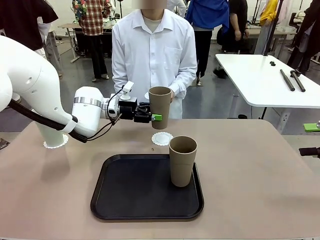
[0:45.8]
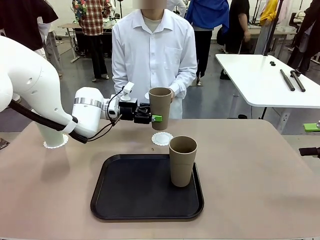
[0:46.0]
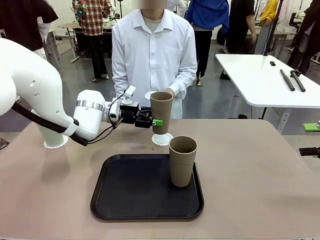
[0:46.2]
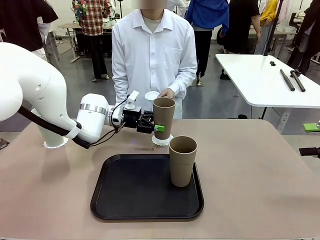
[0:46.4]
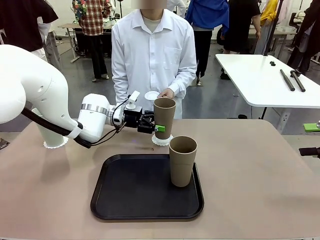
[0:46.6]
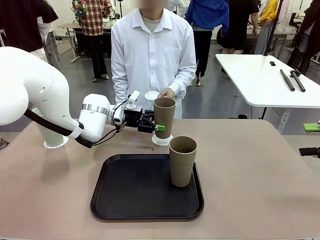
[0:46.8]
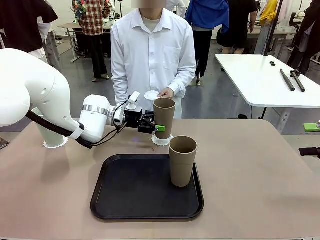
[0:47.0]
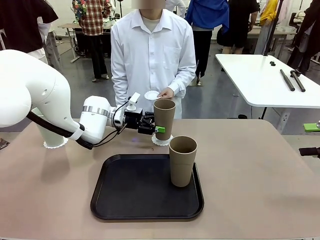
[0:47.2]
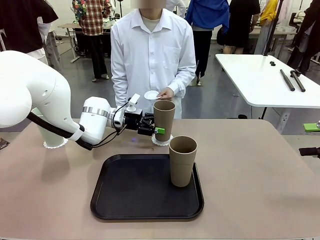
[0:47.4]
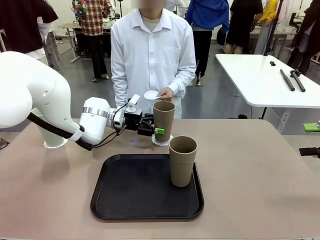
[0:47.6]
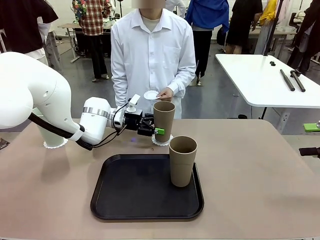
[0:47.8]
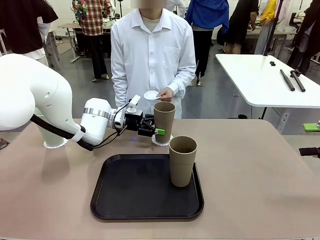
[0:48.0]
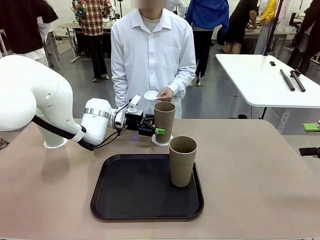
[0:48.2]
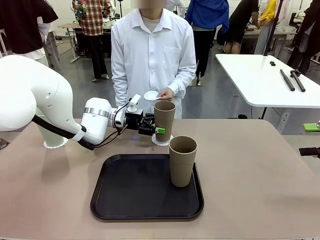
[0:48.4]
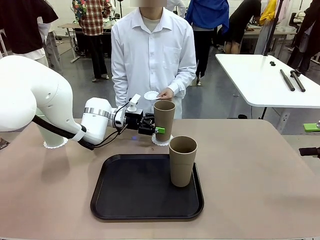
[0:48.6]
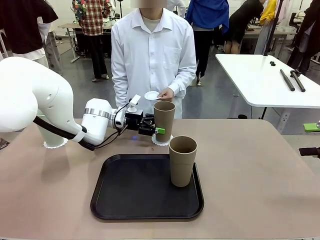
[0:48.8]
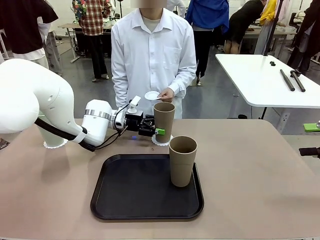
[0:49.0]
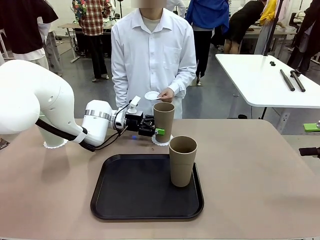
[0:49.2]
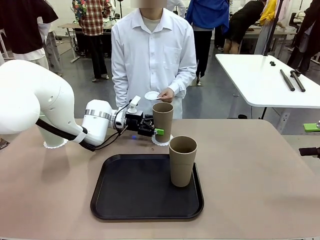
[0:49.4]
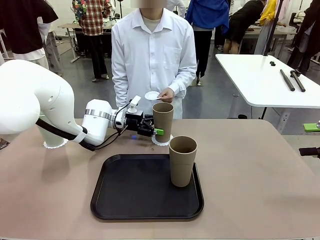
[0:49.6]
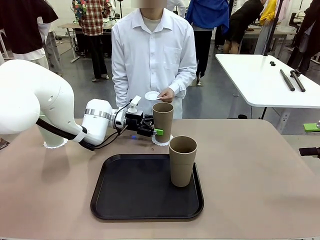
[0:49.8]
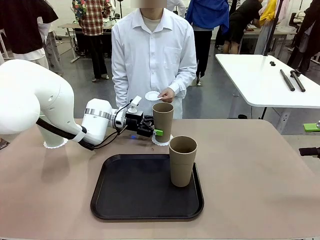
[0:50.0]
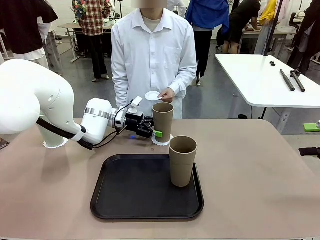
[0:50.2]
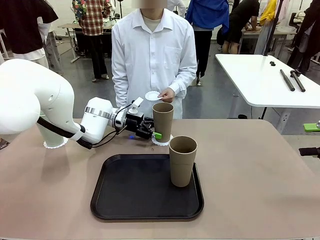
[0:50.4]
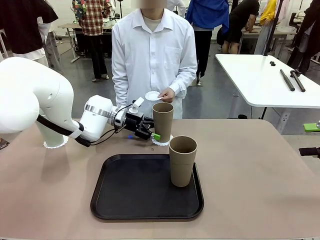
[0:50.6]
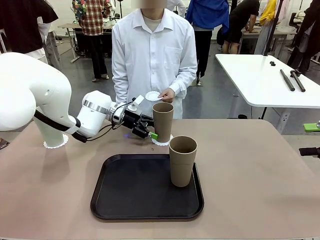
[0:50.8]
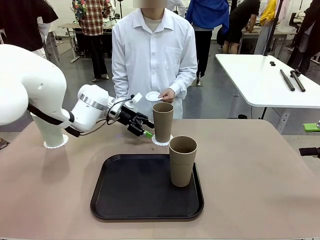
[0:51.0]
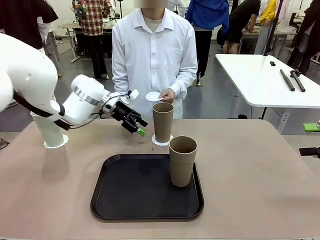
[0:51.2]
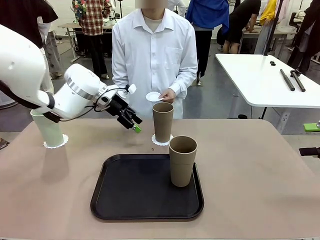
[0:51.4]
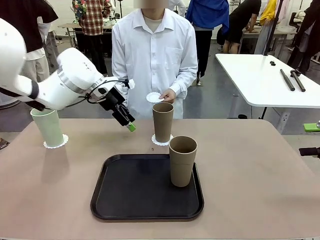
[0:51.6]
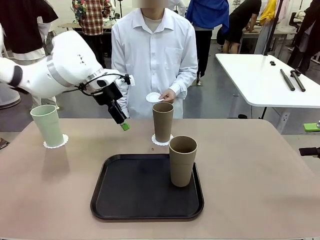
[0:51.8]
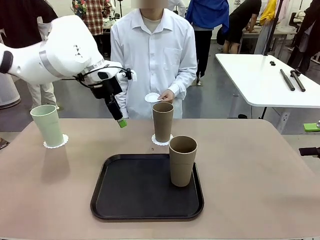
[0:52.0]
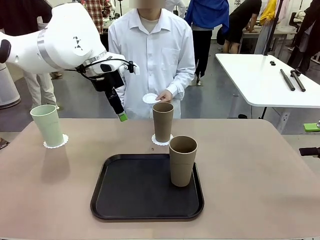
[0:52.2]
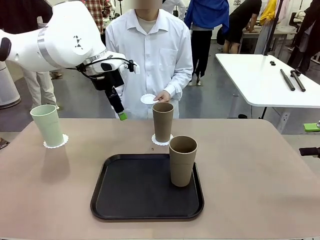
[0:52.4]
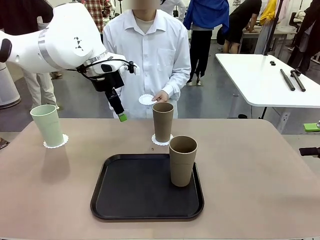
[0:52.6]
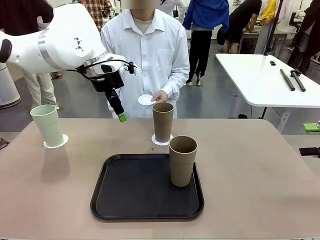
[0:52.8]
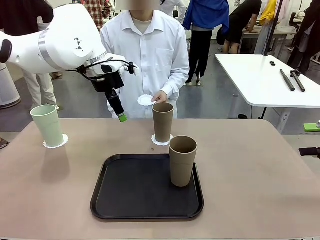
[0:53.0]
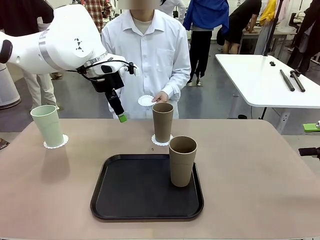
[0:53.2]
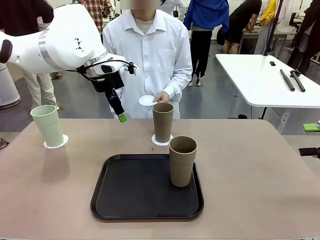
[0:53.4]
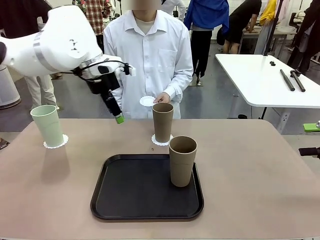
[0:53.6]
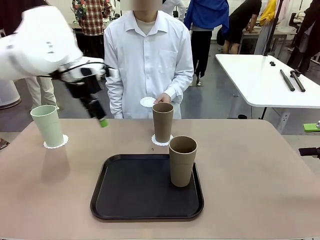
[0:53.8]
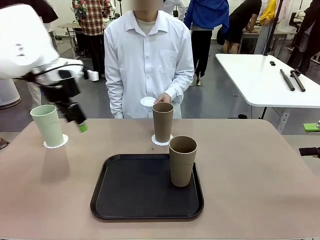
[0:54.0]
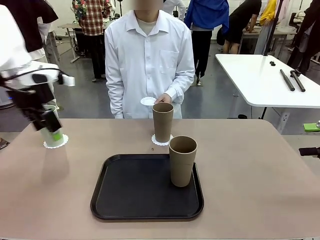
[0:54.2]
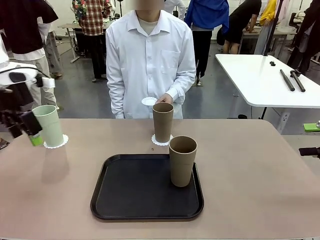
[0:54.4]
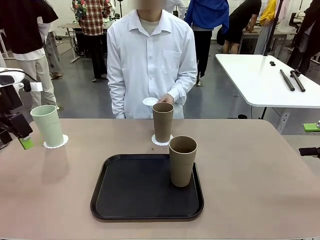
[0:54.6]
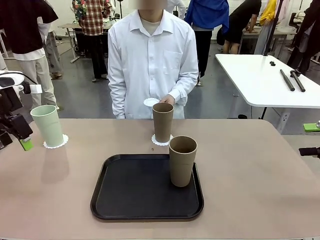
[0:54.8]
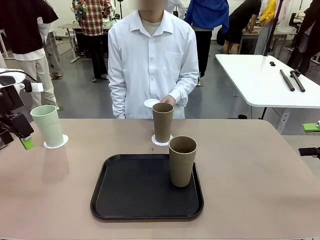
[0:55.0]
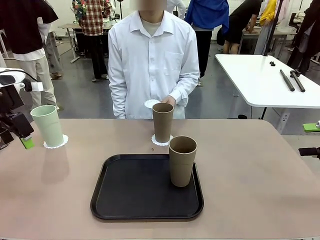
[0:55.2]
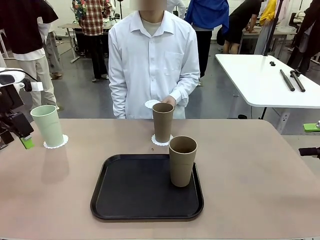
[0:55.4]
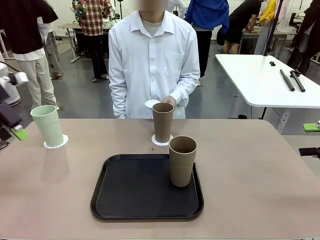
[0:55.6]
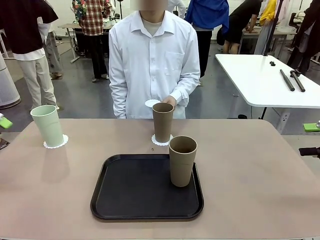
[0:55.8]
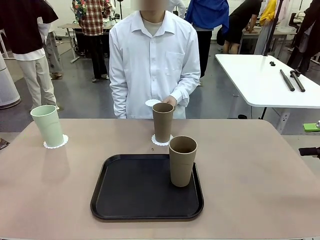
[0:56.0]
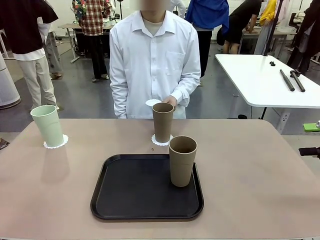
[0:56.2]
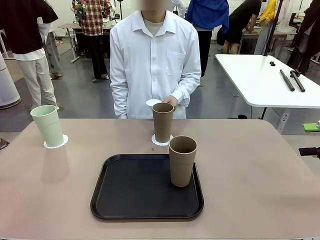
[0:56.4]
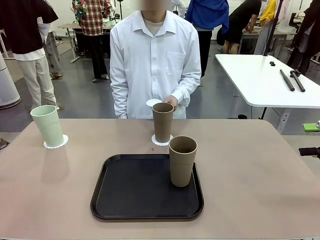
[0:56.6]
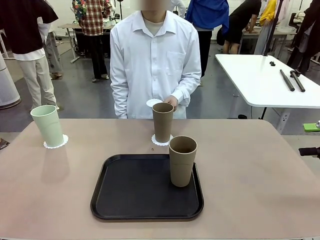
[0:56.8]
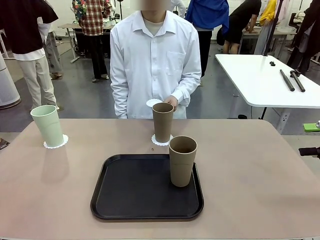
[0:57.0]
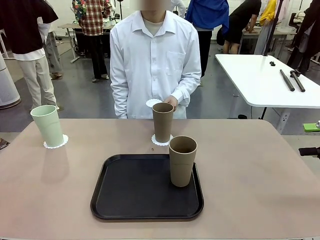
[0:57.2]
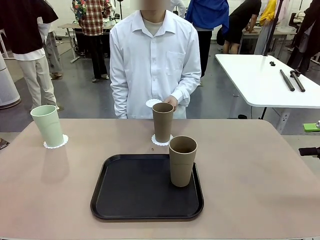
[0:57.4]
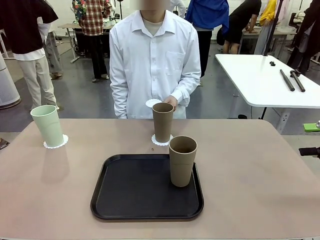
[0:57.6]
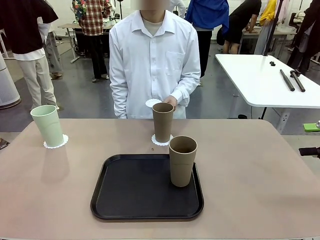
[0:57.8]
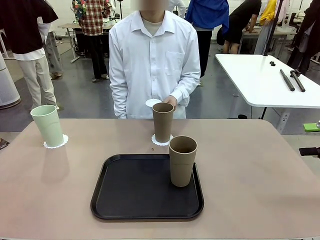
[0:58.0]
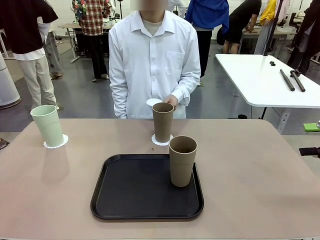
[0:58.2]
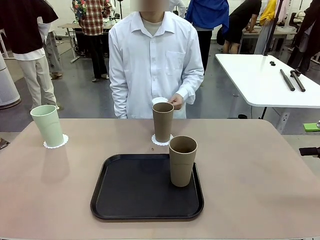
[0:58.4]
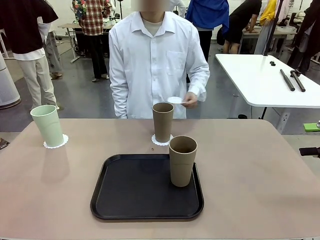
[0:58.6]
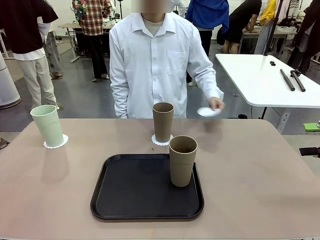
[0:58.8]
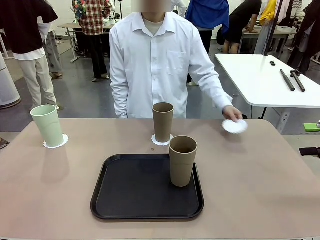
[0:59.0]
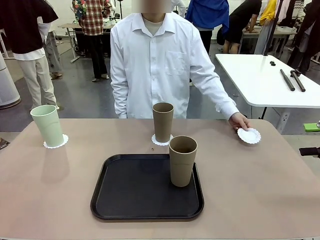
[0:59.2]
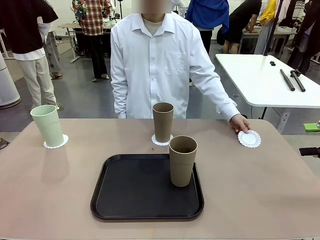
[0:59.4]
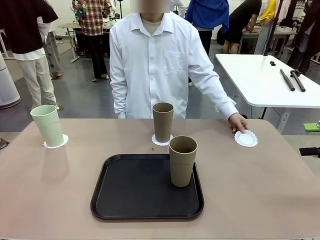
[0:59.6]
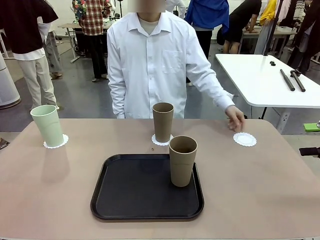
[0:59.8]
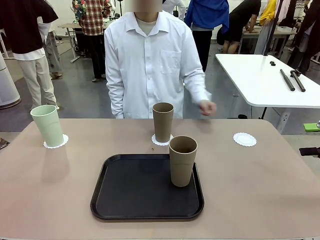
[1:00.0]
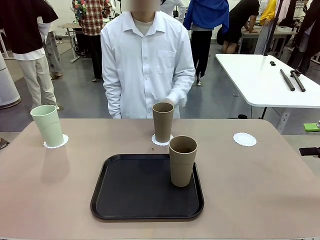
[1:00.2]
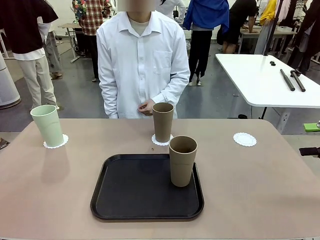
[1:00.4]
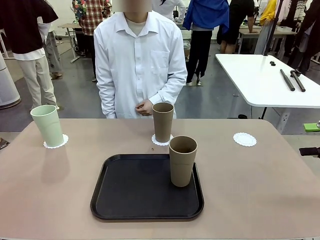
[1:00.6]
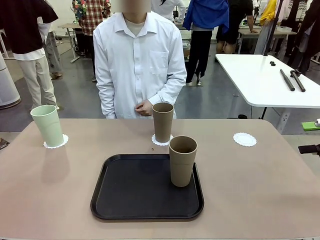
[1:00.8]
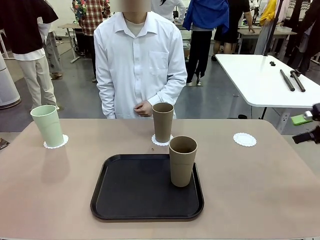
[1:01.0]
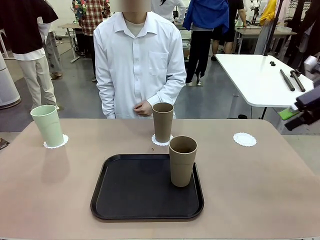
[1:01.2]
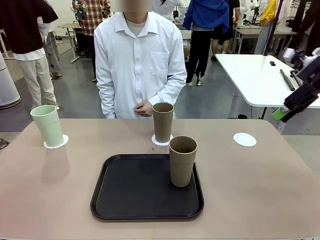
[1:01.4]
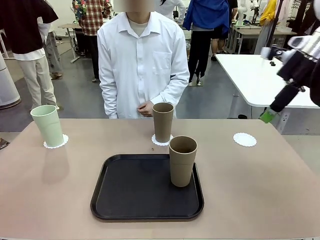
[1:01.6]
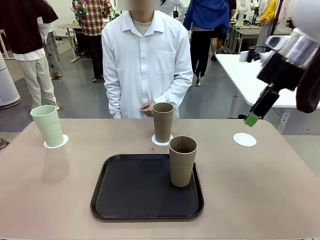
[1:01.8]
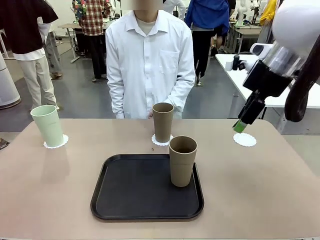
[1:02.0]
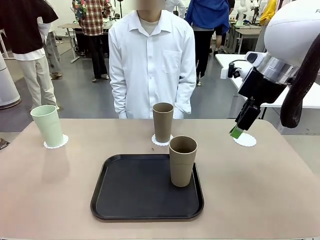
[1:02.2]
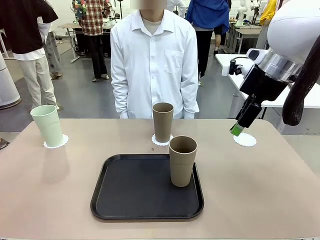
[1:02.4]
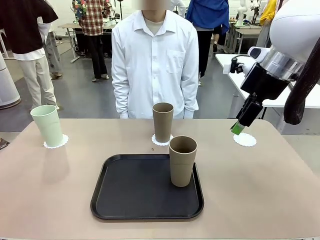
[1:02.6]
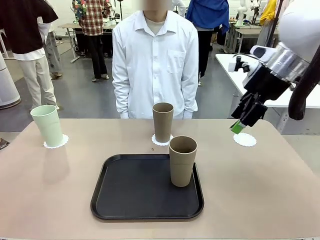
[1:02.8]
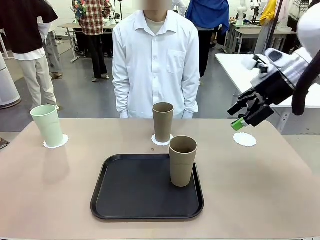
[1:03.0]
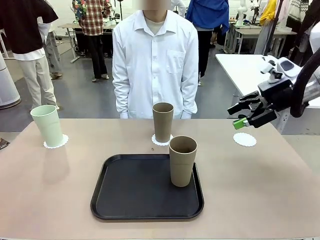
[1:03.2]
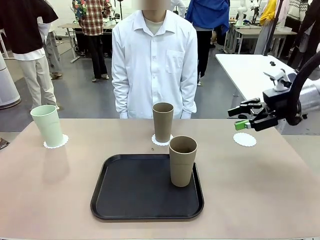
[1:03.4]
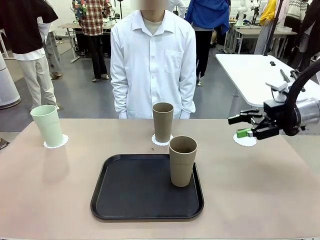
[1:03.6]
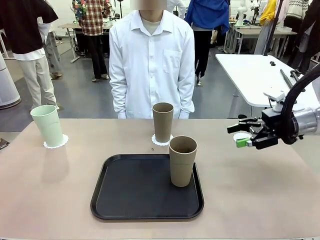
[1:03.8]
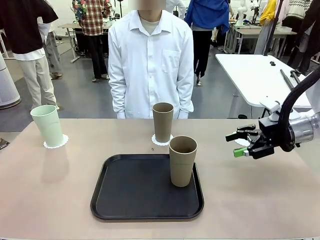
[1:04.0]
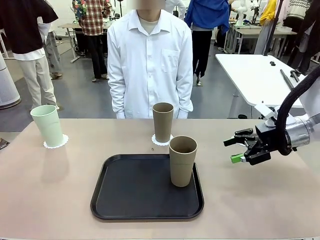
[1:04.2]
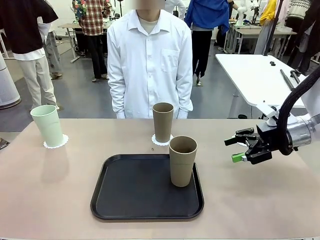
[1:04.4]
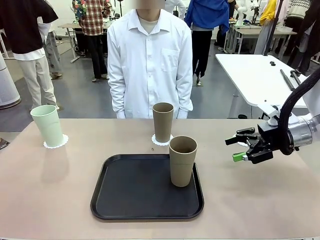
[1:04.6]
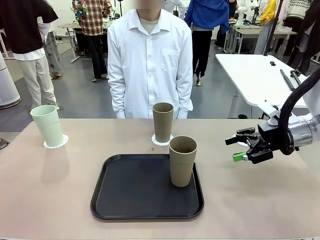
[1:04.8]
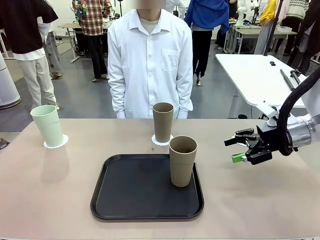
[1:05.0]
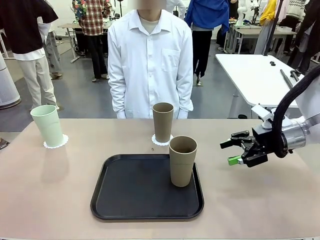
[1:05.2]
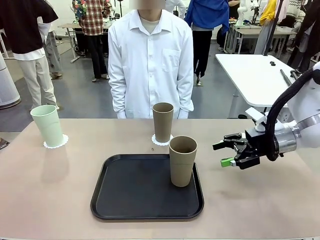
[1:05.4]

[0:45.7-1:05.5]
Task: Place coasters on the table and set cups on them.
Robot: Take one Reusable plastic cup from the Flat Tray and place it on a coaster set by the human.
